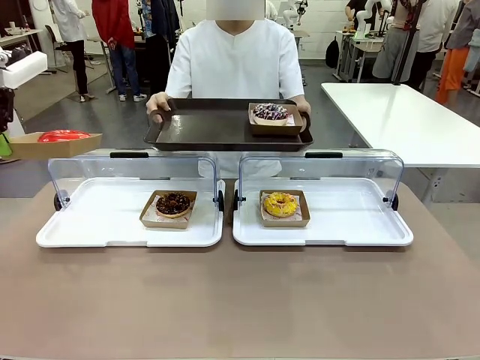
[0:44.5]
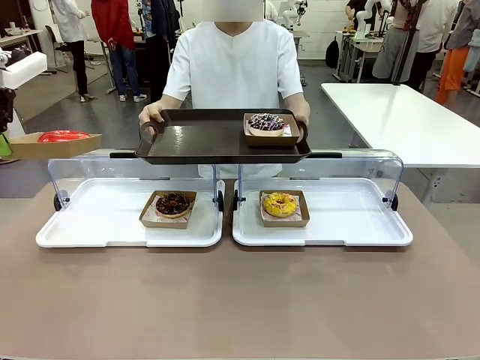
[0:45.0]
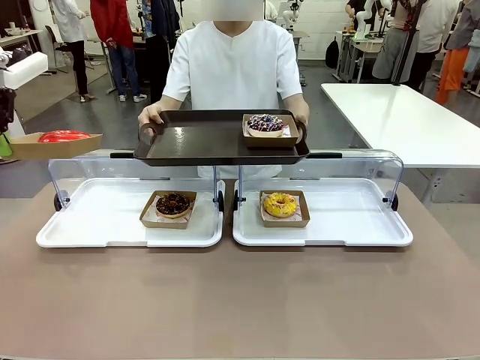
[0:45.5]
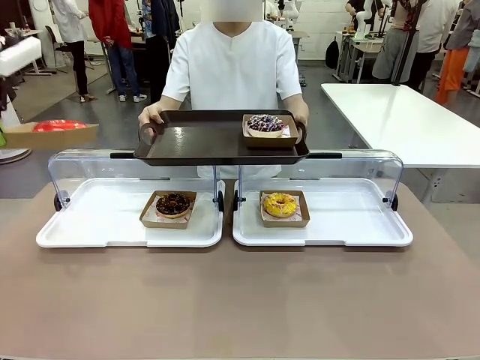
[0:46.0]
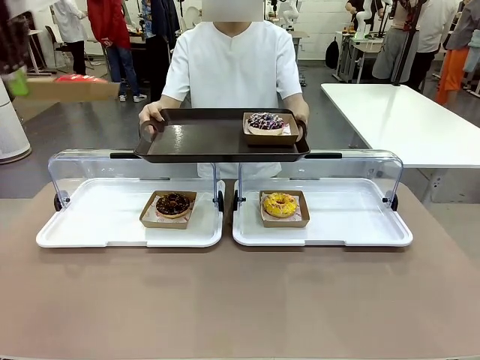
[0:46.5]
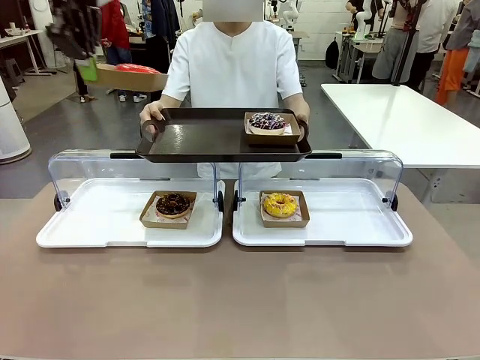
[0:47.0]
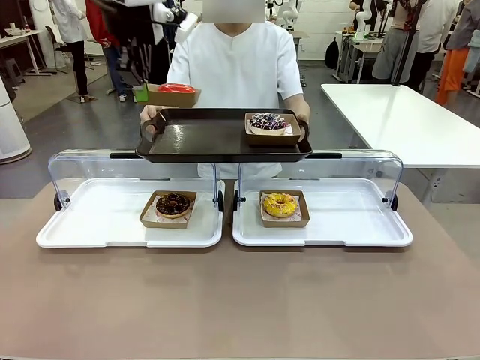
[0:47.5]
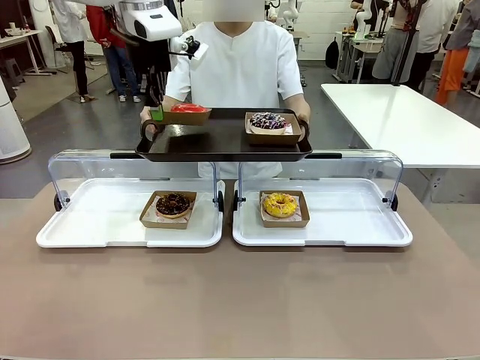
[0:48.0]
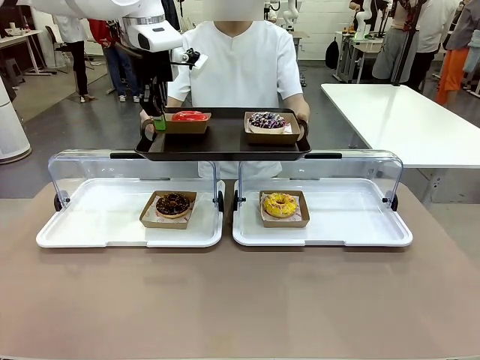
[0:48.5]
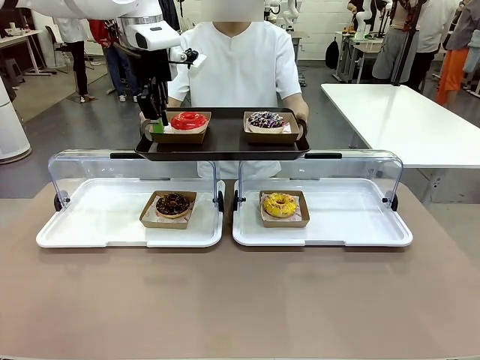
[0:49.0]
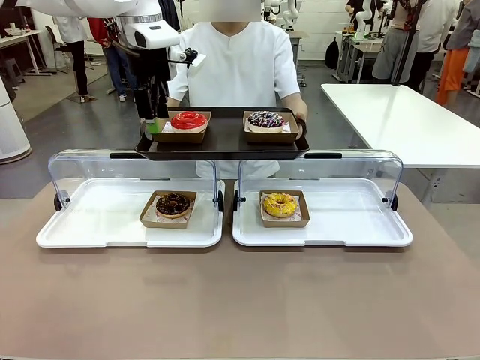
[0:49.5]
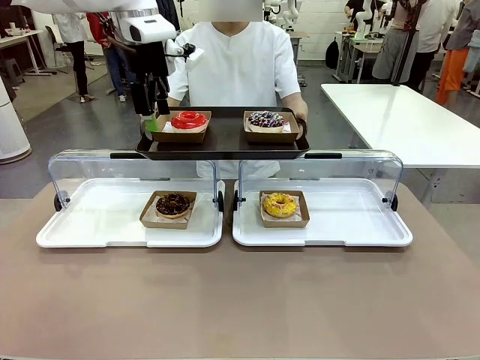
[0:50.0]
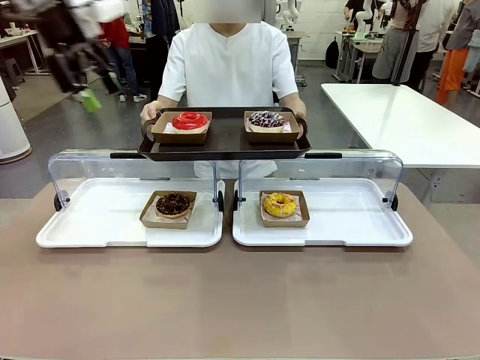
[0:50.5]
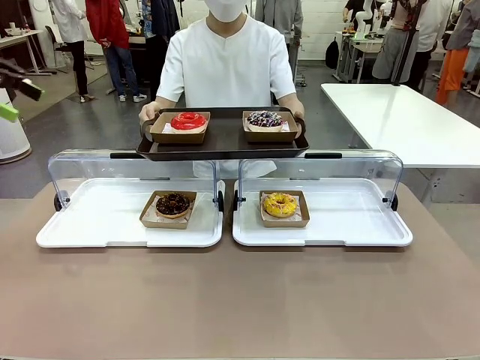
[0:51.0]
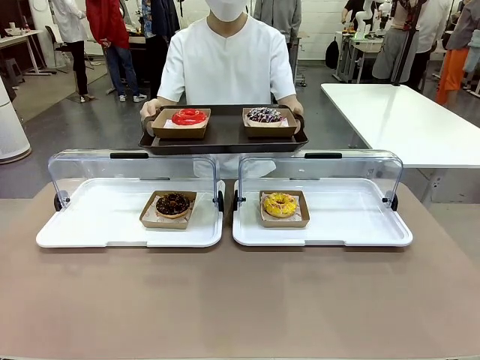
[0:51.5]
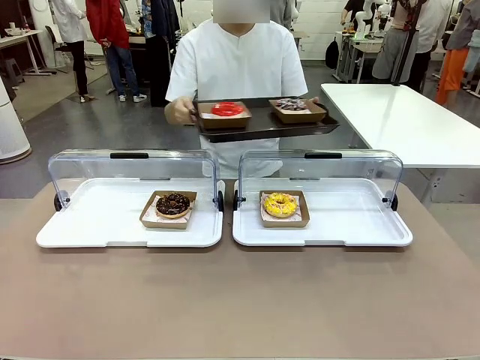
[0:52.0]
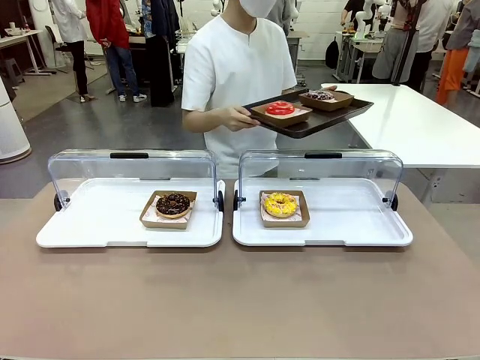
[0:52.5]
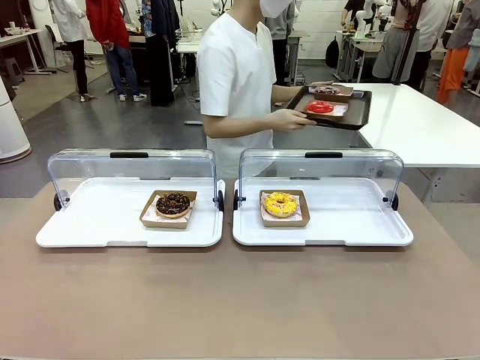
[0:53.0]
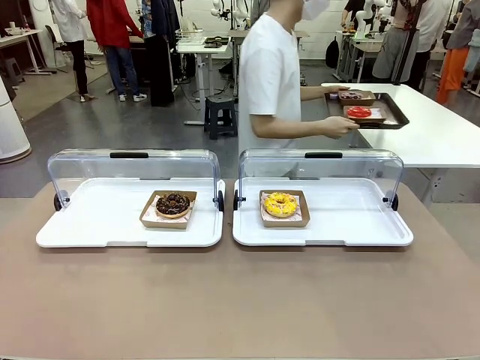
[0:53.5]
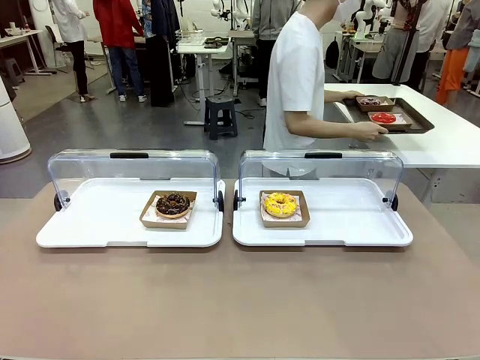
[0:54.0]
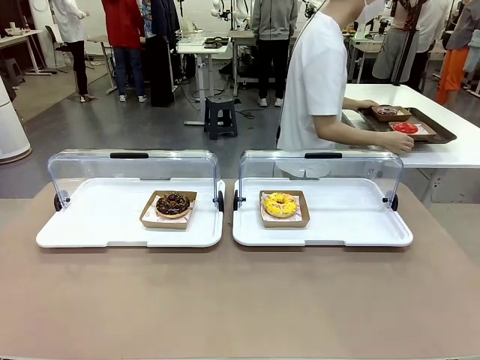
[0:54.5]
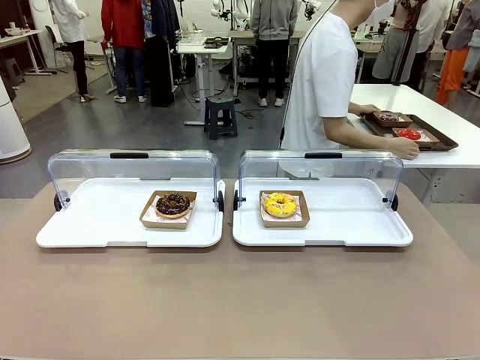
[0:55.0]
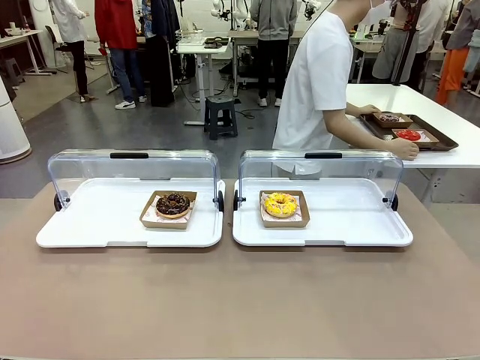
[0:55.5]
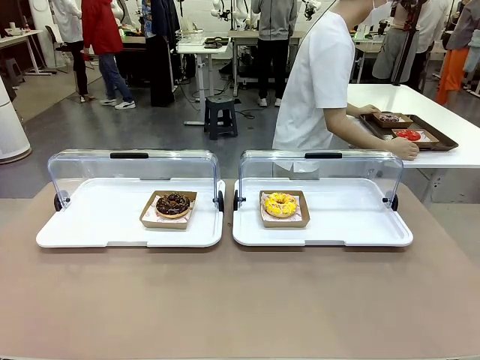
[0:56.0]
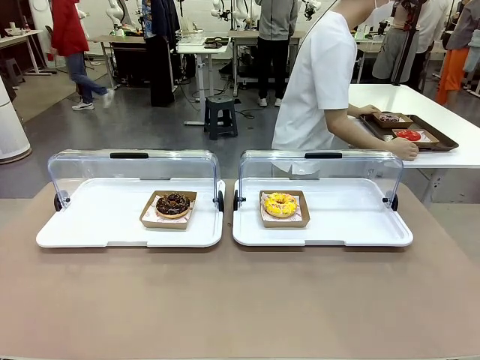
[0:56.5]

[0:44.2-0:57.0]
Task: Provide the desired donut to the person.
Robot: Place the picked Paper togo box onto the Handle tray extended by the person.
Person: Place the tray in the middle of the human table.

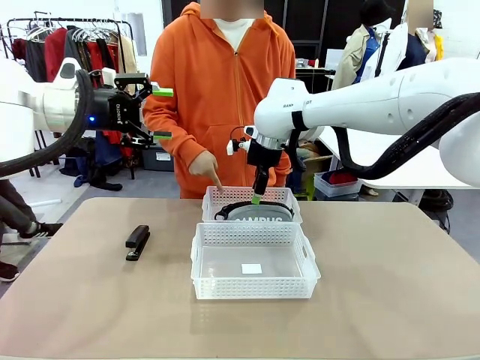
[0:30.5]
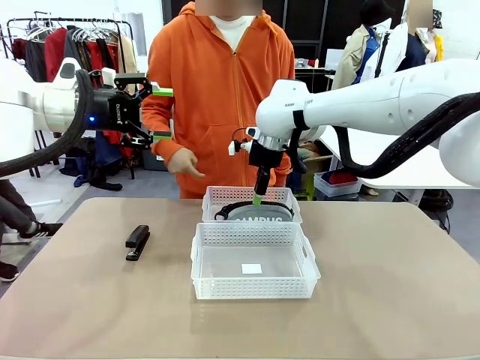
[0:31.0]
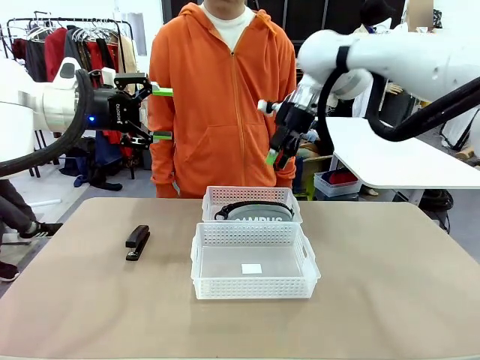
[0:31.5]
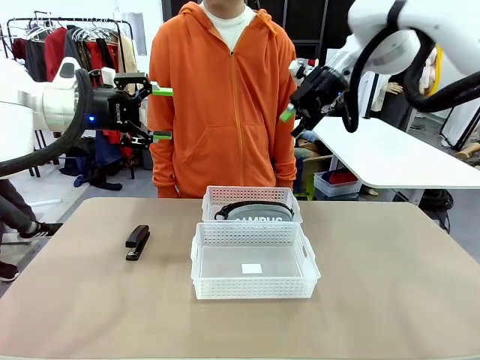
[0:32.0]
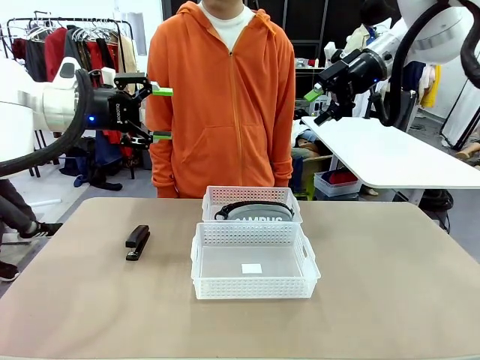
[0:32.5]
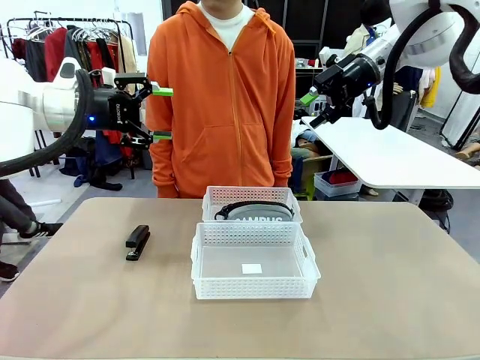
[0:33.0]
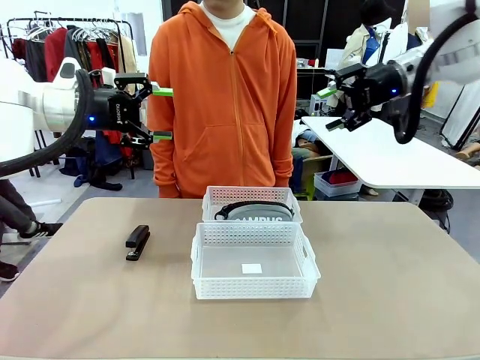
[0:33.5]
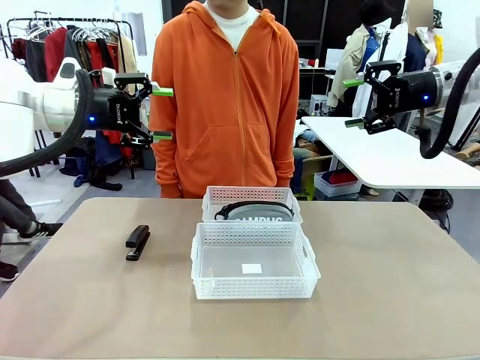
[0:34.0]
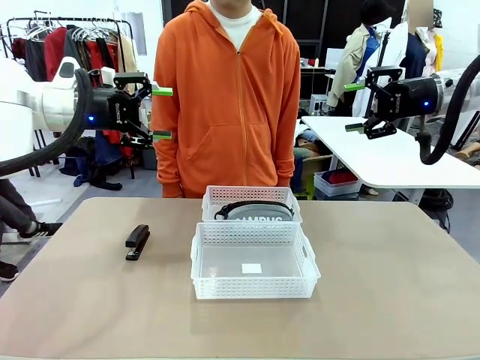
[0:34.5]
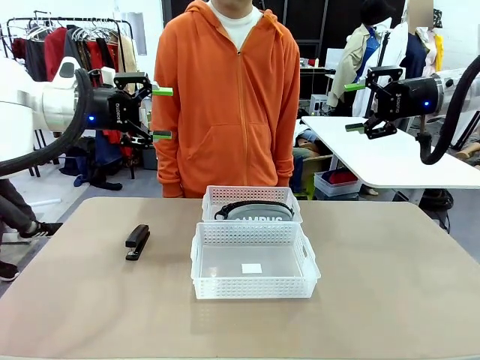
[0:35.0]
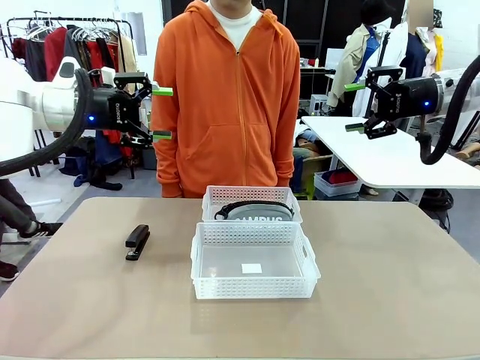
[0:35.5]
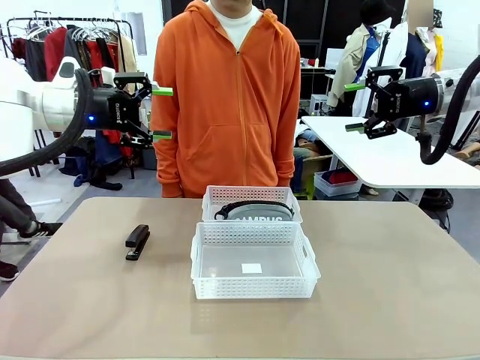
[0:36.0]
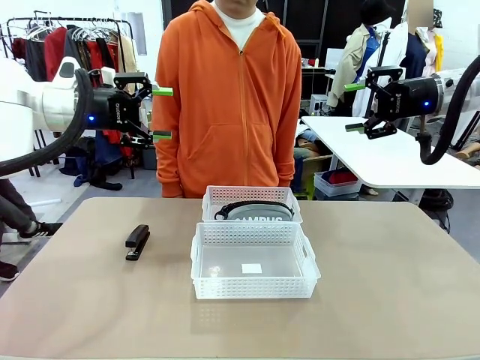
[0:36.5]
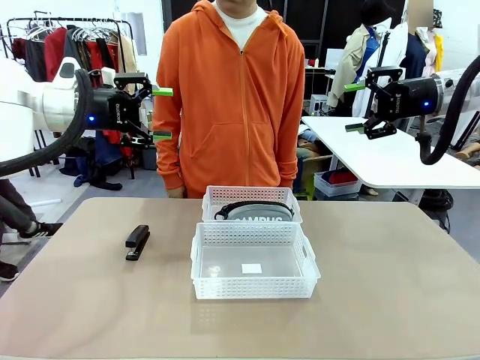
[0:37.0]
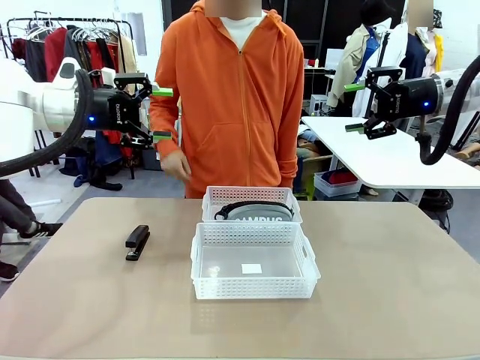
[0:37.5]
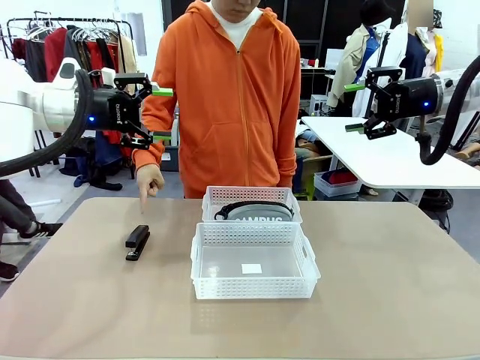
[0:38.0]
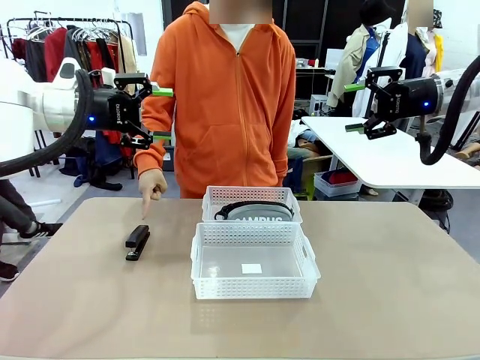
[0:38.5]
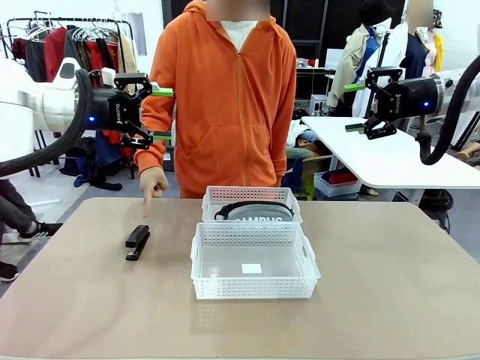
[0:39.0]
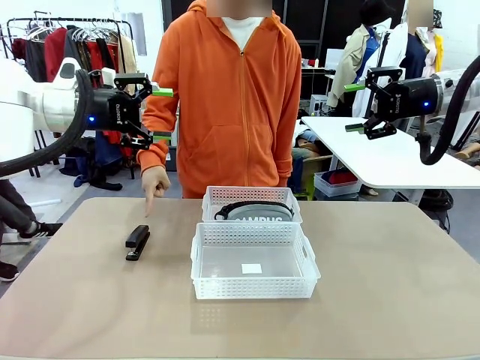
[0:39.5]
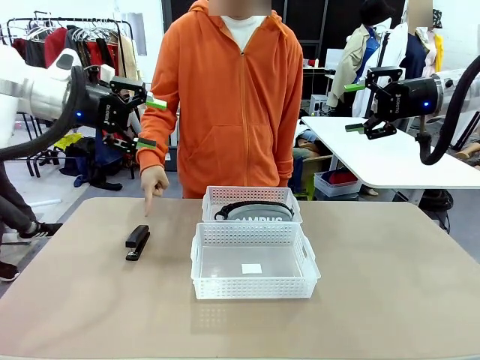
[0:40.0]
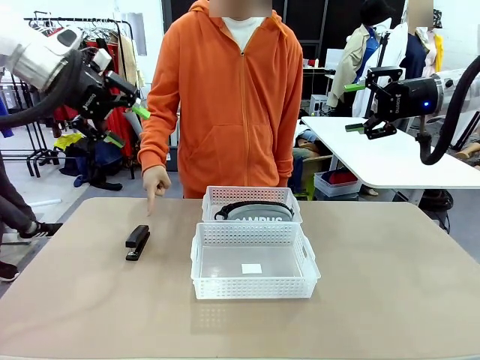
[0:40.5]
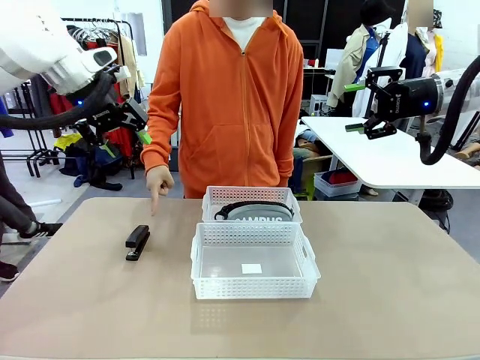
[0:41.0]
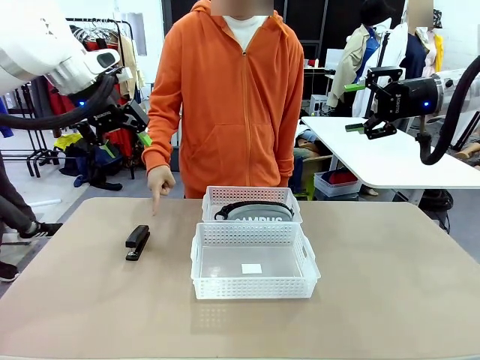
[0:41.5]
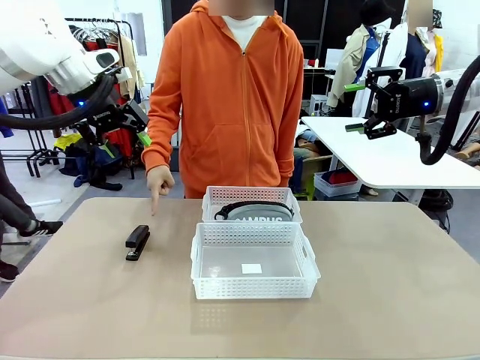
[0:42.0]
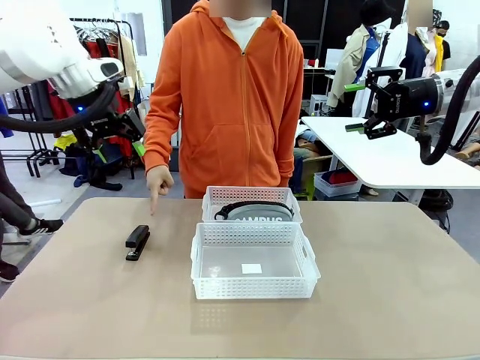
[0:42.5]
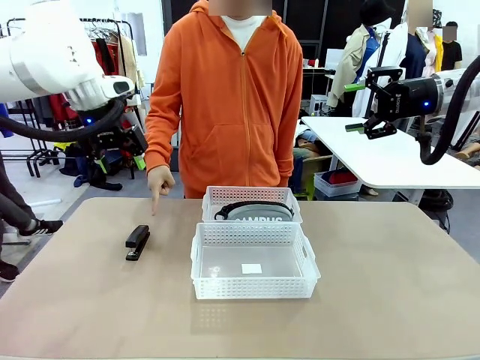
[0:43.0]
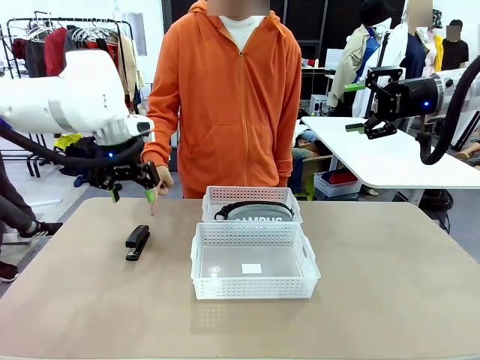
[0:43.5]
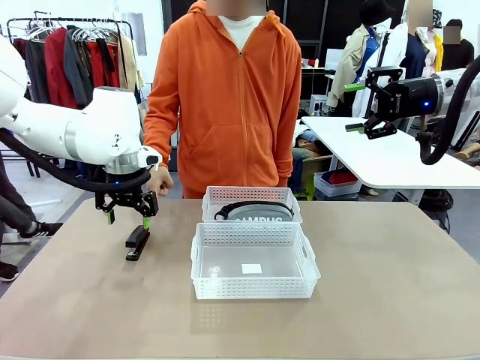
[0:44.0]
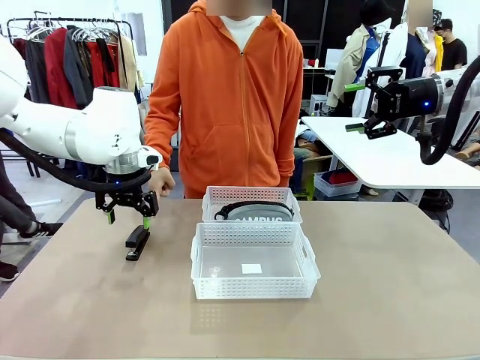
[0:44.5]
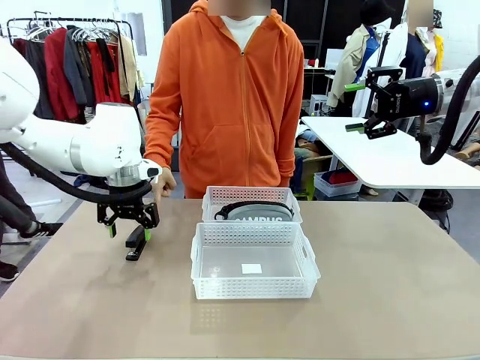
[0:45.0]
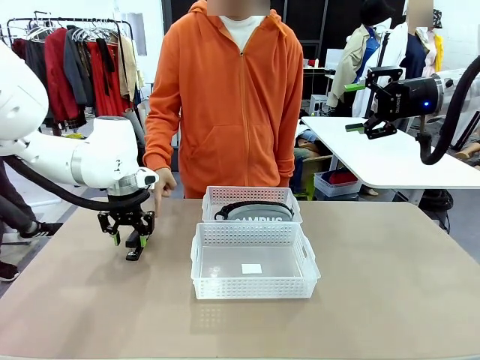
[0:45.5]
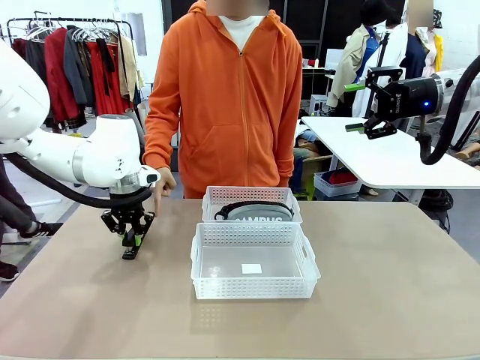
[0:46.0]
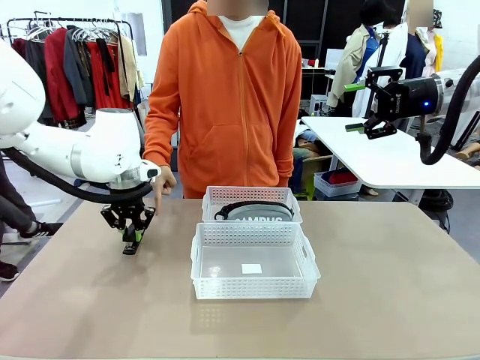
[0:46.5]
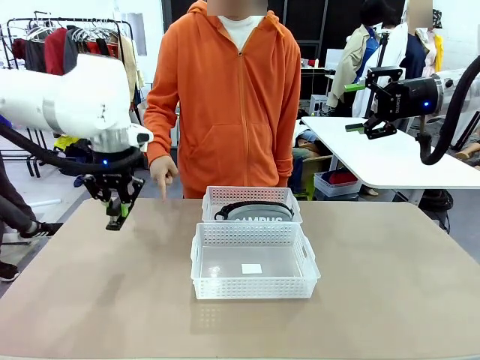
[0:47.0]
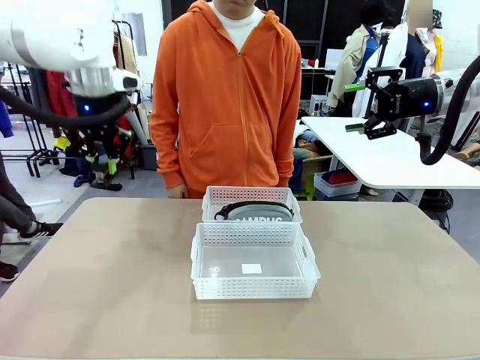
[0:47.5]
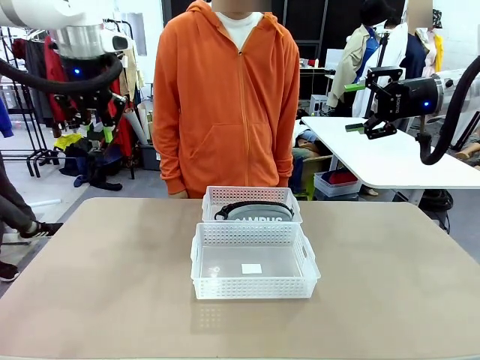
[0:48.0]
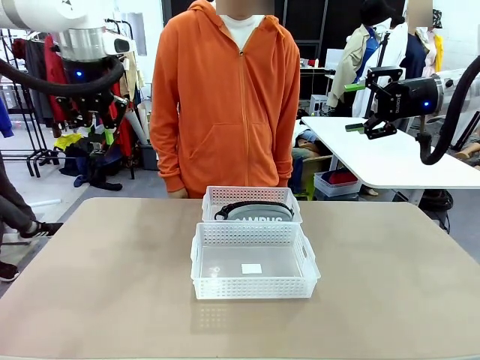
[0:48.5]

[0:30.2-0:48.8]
Task: Distribute items into two baskets.
Robot: Pick up the Stapler that the person points to.
Person: Points to the stapler.
